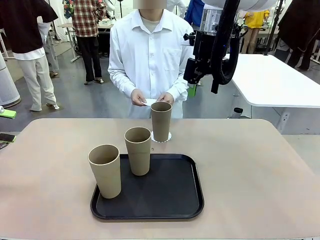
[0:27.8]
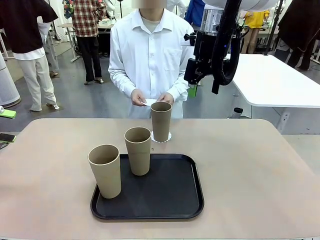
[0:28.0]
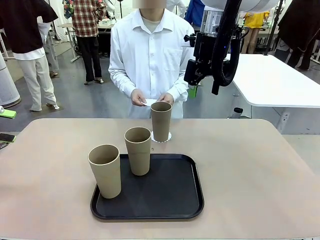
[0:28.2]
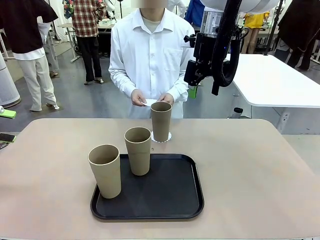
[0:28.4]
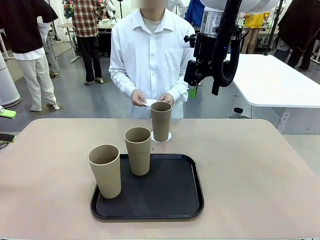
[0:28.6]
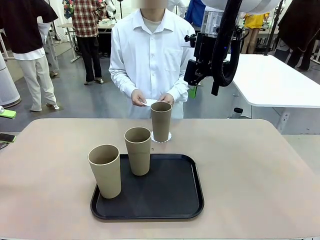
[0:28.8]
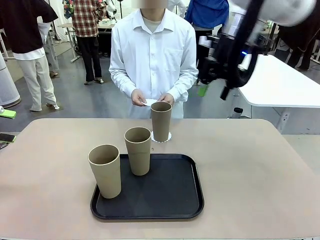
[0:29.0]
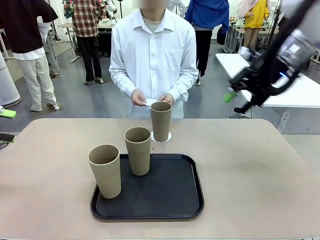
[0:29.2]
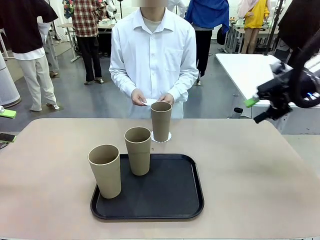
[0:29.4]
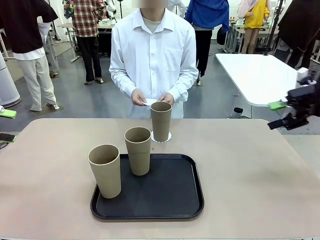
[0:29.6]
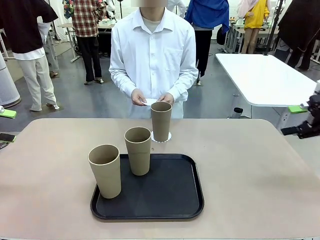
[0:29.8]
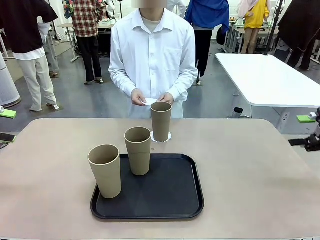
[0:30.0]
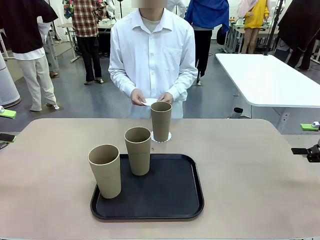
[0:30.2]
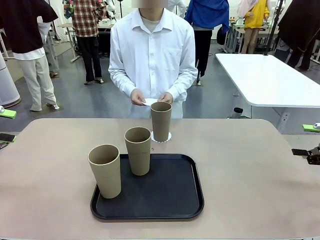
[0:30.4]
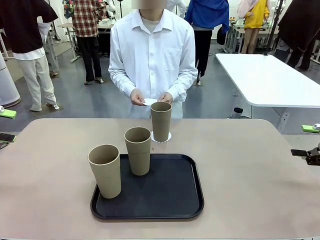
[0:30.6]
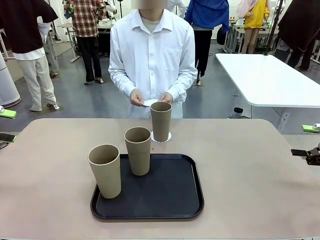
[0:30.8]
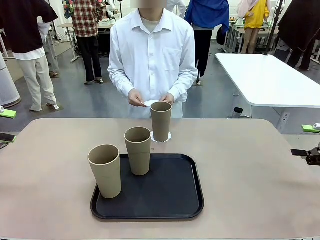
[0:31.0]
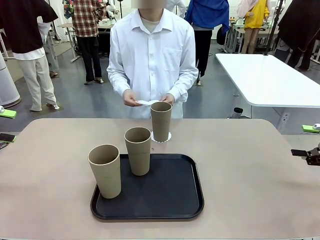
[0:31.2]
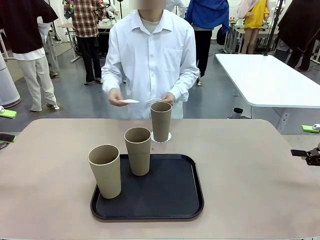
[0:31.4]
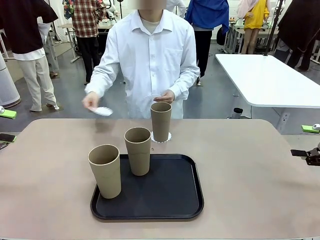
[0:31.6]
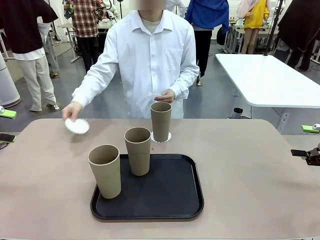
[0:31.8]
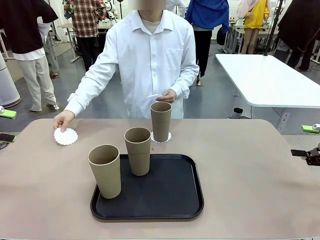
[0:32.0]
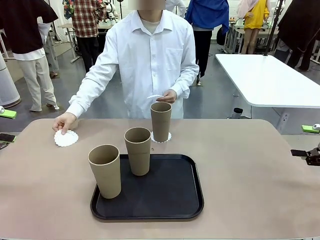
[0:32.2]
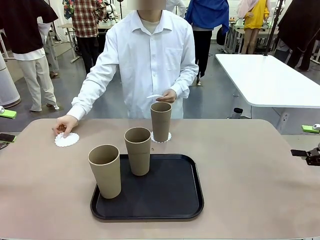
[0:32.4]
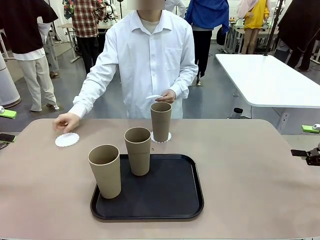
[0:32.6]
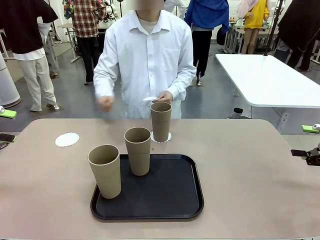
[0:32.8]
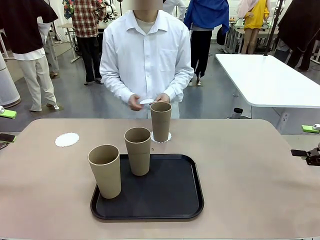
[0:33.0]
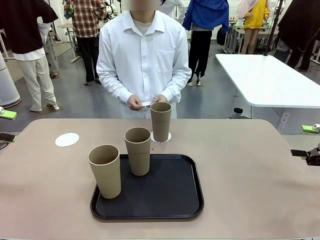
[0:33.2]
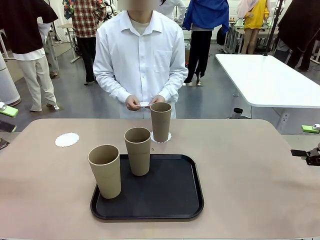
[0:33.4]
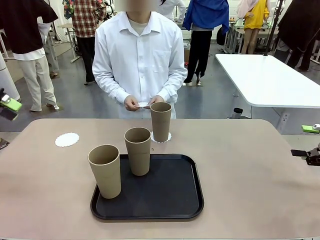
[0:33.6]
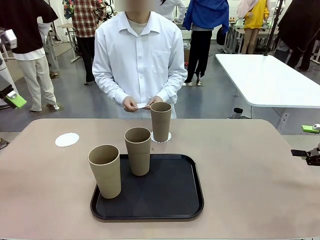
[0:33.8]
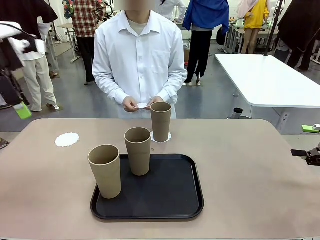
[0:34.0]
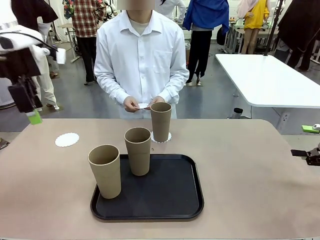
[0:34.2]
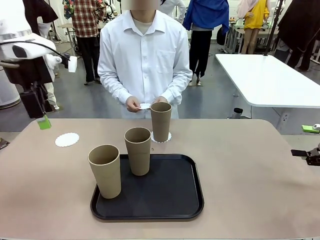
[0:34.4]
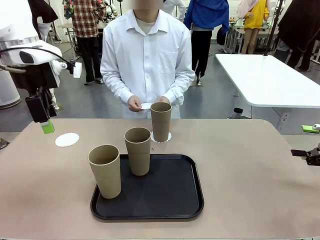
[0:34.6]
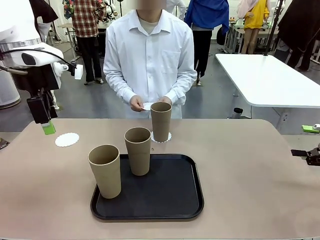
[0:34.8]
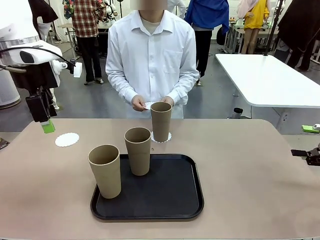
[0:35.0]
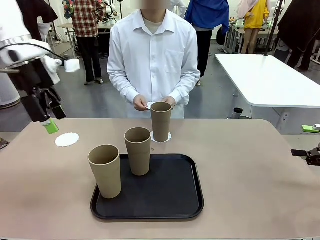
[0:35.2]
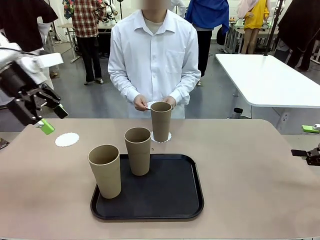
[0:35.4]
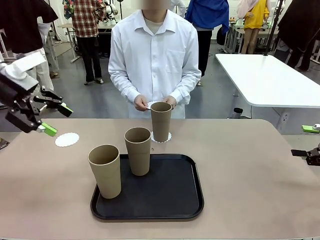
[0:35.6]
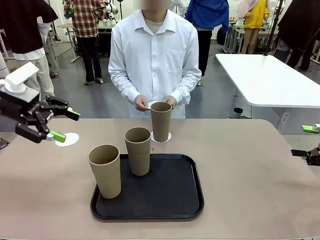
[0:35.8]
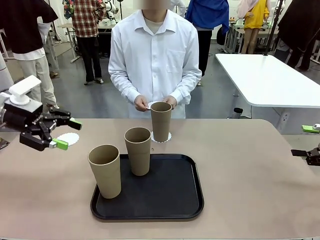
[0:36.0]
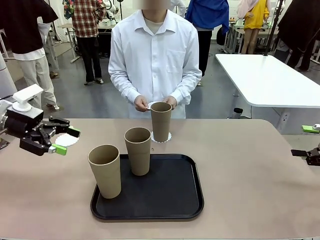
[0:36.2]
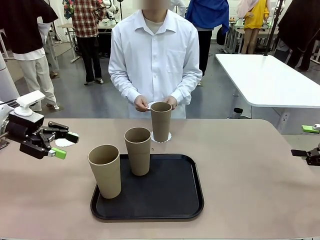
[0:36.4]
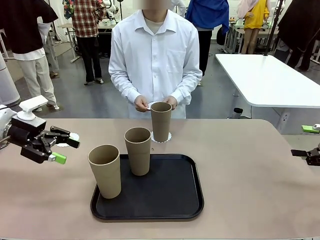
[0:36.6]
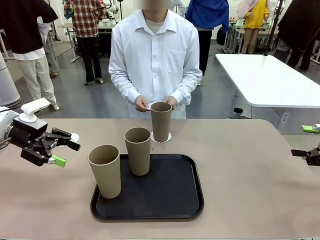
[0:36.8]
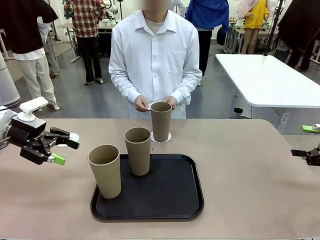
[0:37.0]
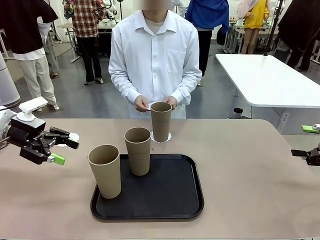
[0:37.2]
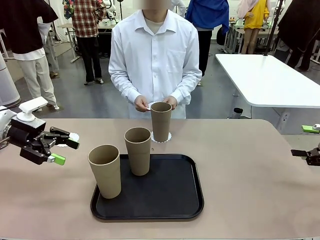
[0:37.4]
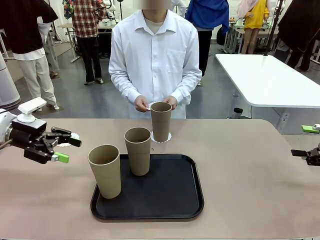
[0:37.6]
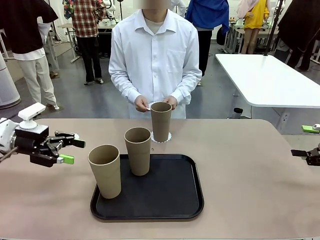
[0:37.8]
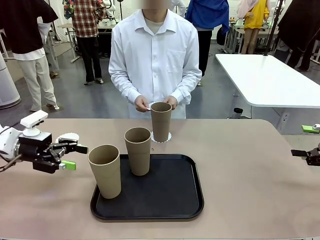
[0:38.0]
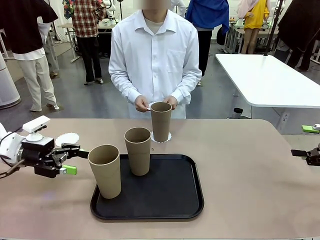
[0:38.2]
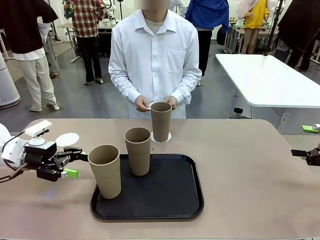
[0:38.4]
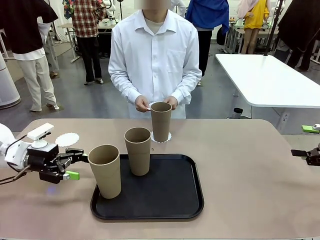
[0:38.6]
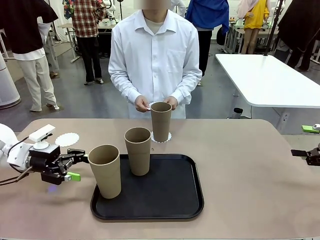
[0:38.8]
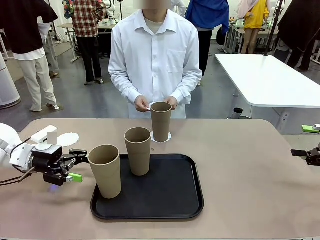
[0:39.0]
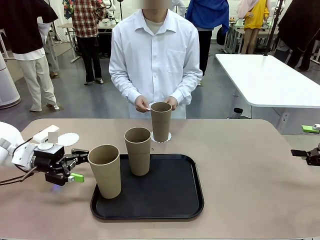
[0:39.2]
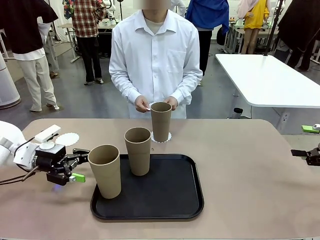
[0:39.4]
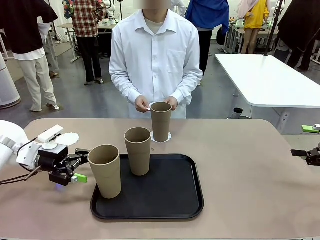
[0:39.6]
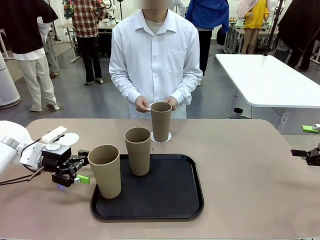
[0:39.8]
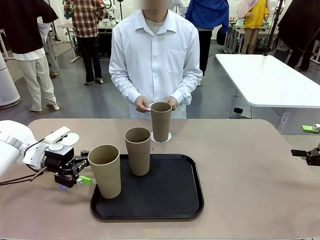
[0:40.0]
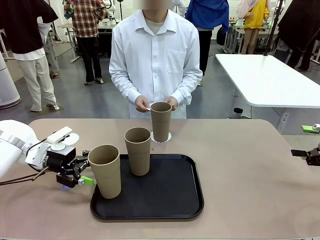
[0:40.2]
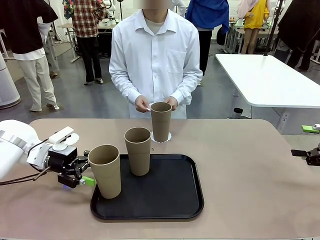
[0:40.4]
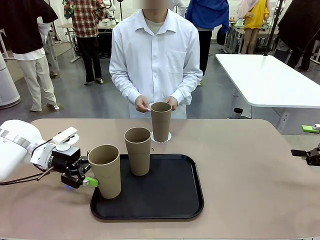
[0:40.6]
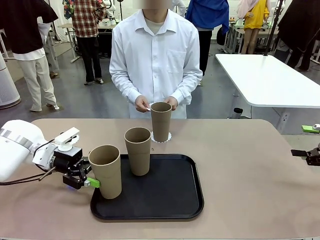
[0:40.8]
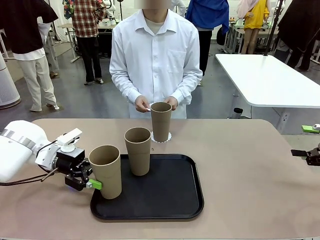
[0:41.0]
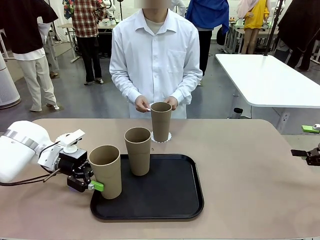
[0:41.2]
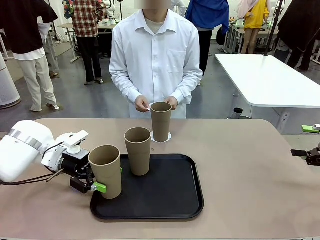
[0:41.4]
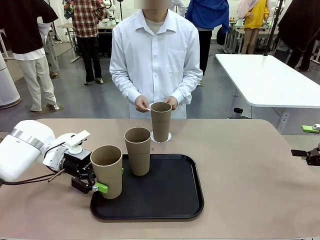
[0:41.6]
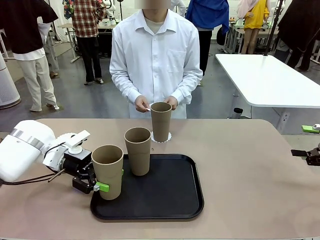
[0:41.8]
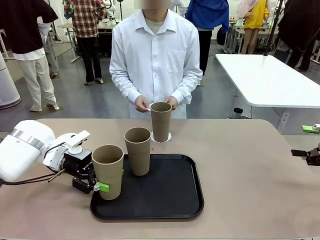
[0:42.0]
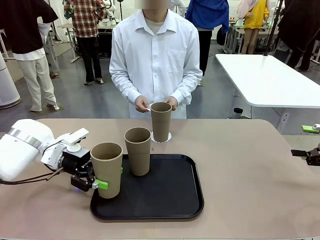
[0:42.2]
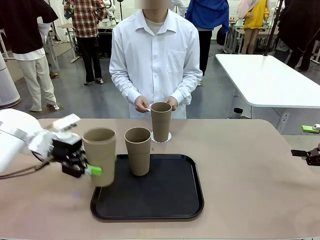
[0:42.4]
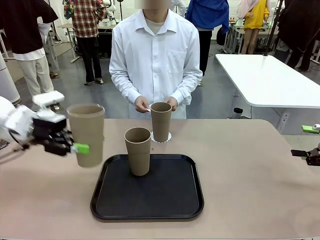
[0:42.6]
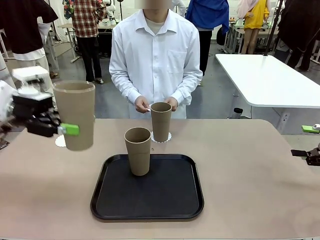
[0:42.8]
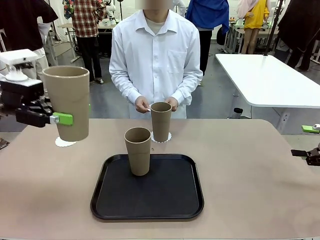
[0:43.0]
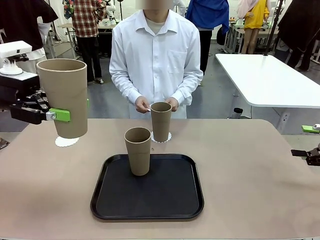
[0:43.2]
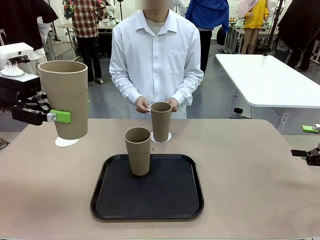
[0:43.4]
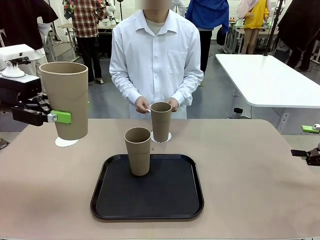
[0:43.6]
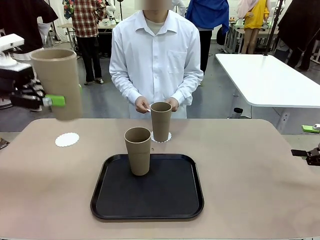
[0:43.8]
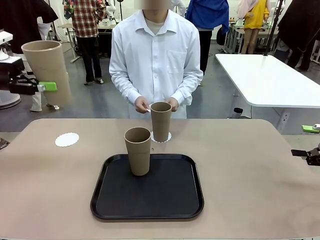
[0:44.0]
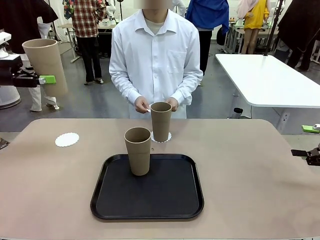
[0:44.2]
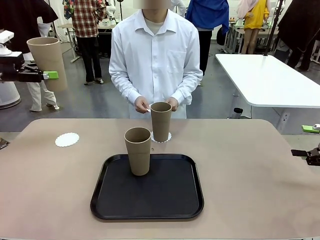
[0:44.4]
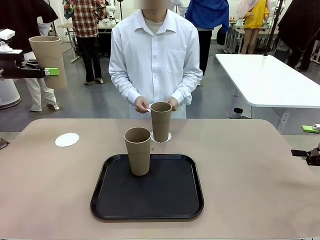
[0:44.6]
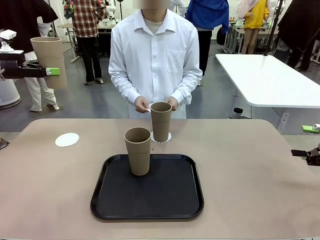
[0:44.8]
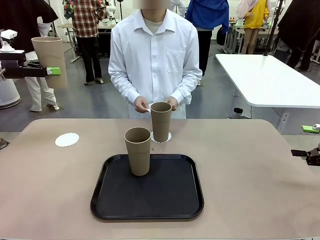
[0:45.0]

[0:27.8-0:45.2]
Task: Place coasters on the table and set cups on them.
Robot: Take one Reusable plastic cup from the Flat Tray and place it on a coaster set by the human.
